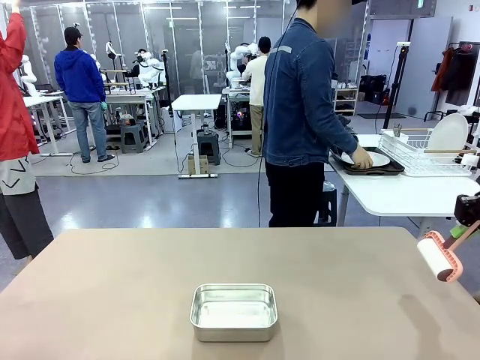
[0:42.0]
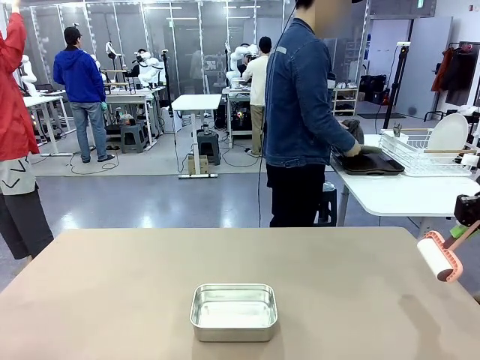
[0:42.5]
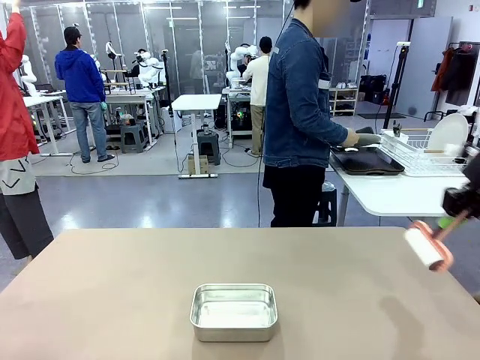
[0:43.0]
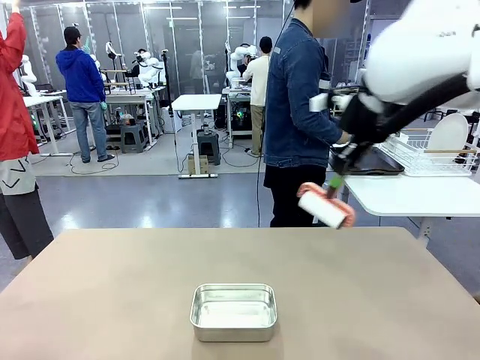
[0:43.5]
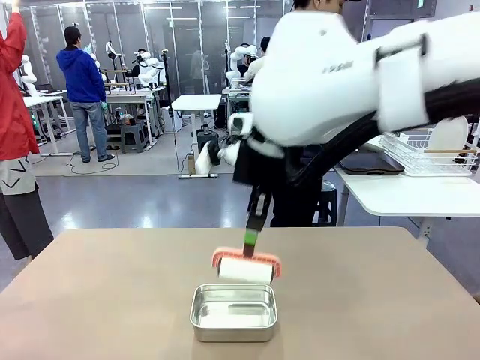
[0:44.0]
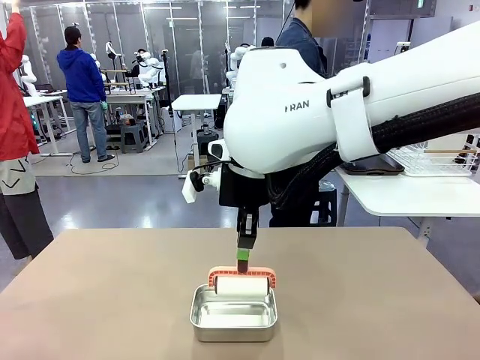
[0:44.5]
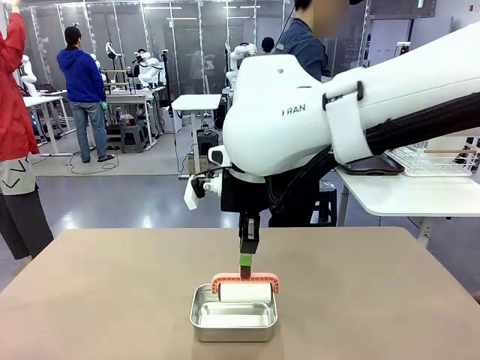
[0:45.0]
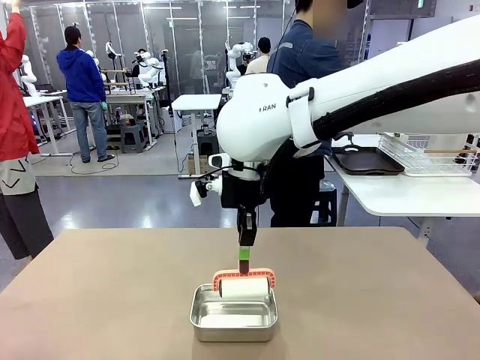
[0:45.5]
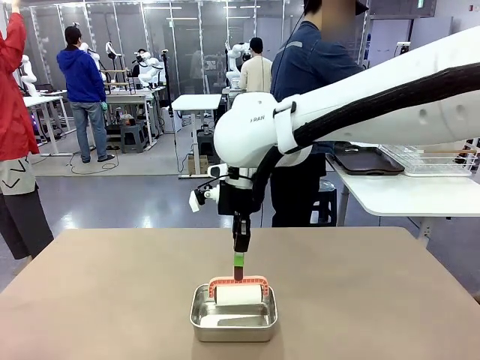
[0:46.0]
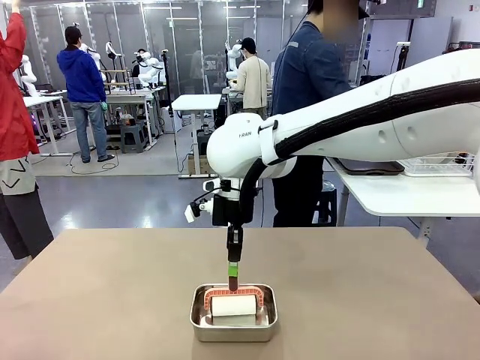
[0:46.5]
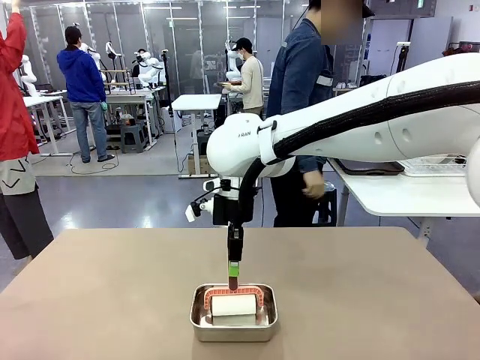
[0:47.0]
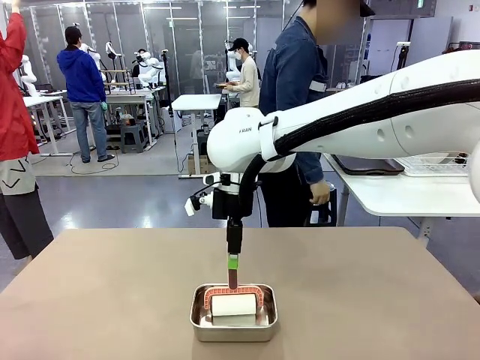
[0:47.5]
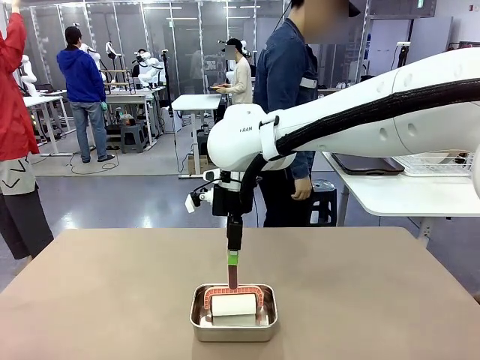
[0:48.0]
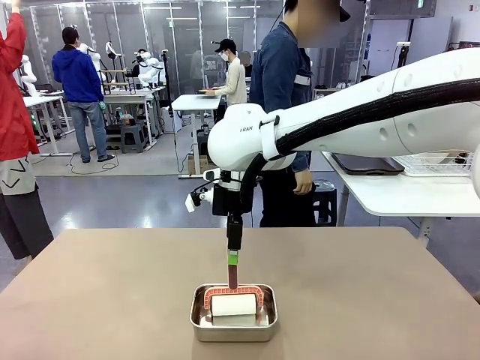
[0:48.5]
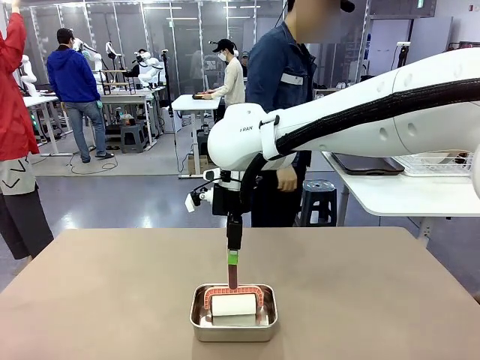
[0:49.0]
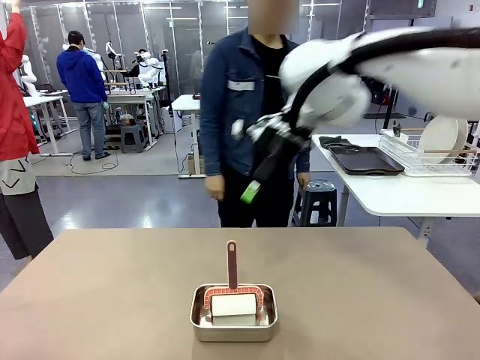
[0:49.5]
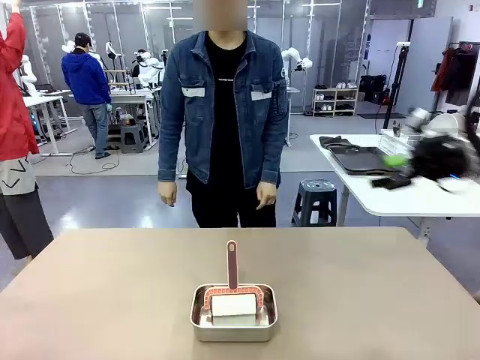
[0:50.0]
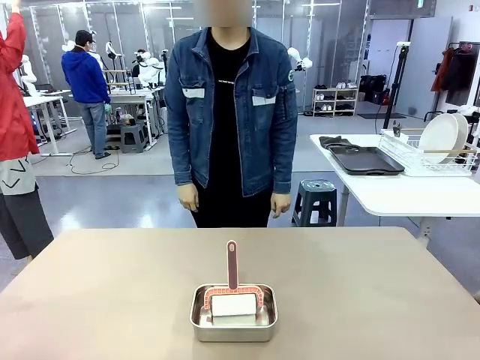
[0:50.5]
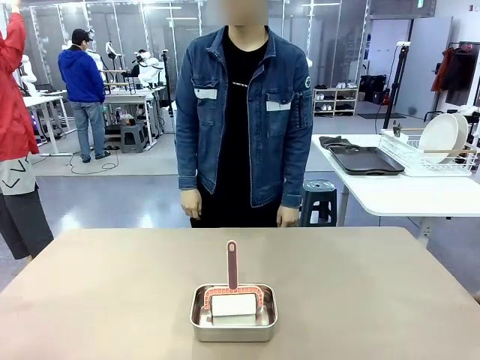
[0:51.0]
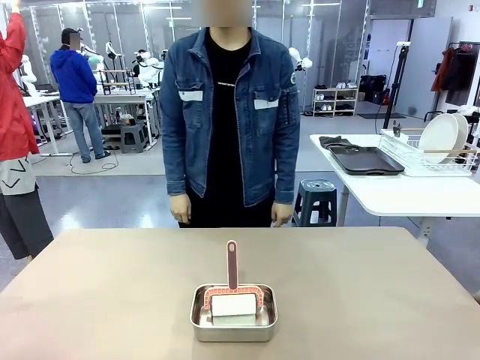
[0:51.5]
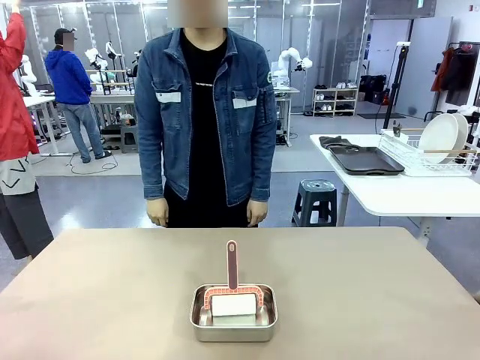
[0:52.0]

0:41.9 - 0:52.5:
Robot: Place the Lint Roller back on top of the Airtight Container.
Person: Use the Towel with hook to wipe the Plastic Matte Plate , Fork , and Knife and place into the Dish drying rack.

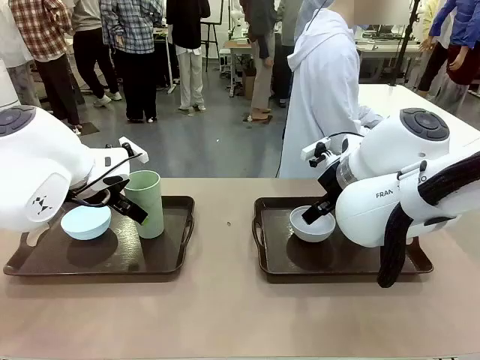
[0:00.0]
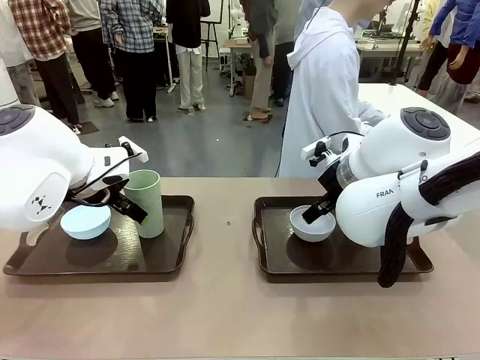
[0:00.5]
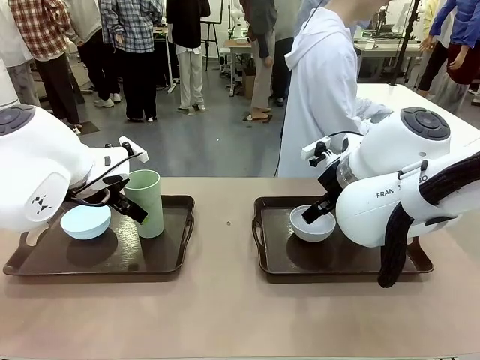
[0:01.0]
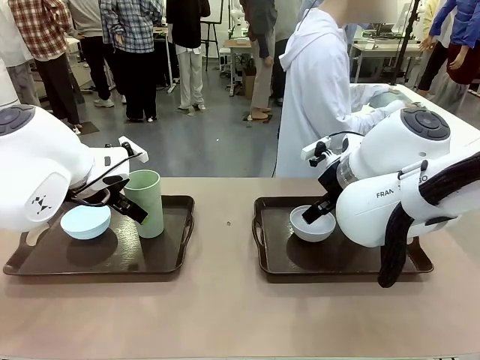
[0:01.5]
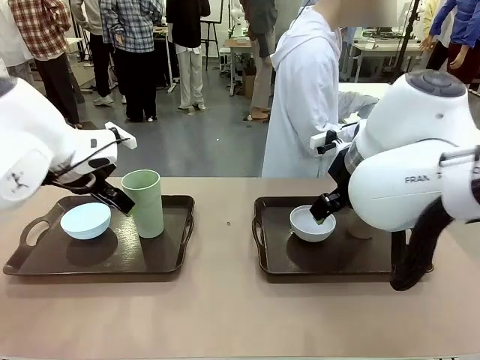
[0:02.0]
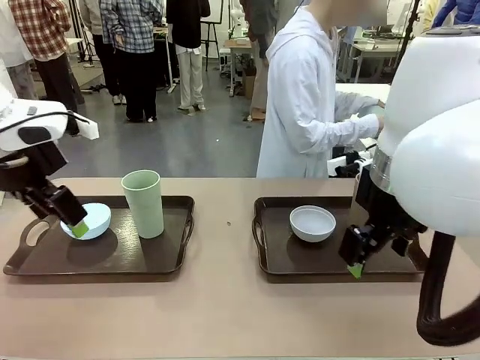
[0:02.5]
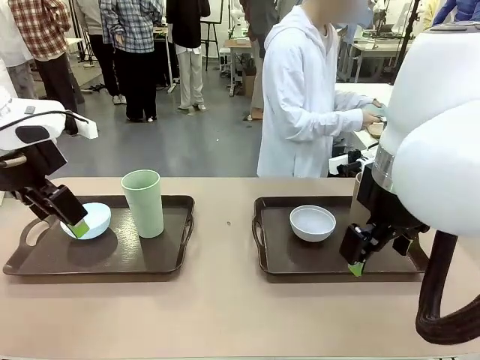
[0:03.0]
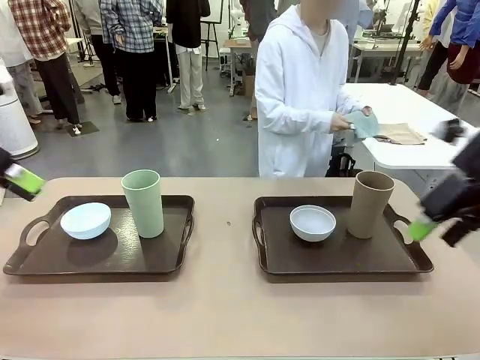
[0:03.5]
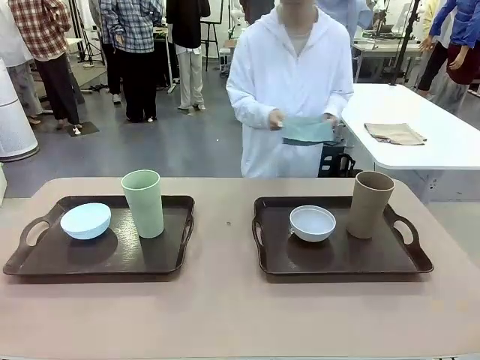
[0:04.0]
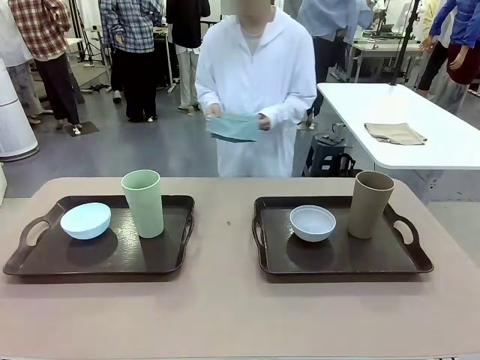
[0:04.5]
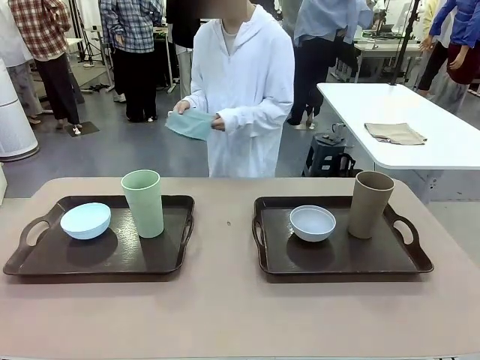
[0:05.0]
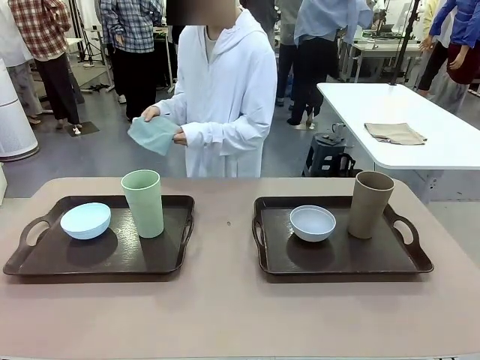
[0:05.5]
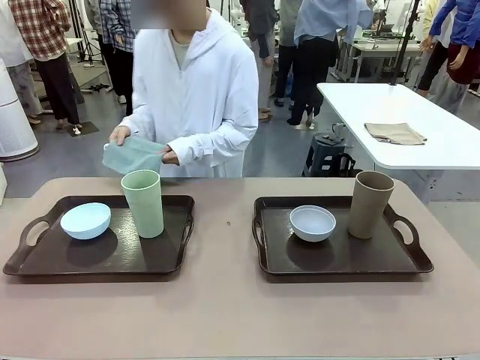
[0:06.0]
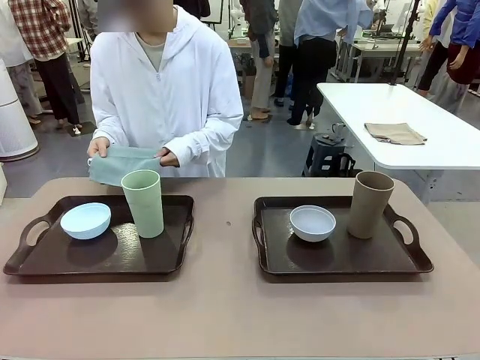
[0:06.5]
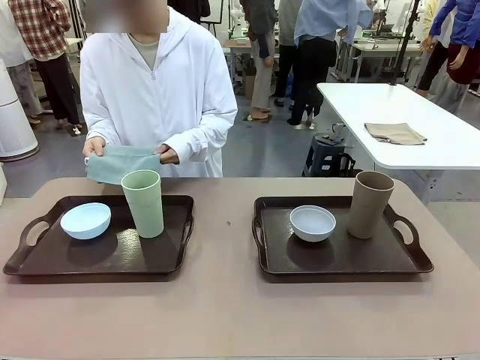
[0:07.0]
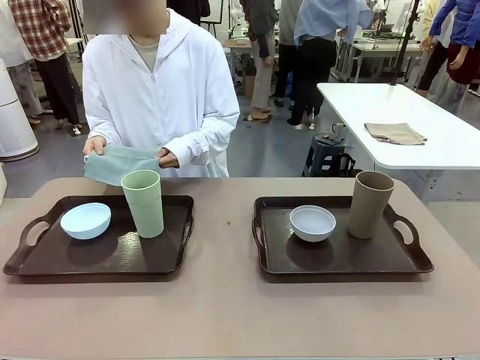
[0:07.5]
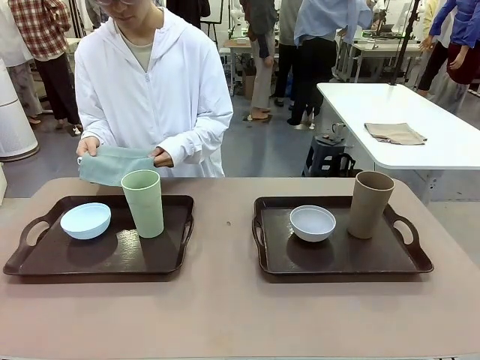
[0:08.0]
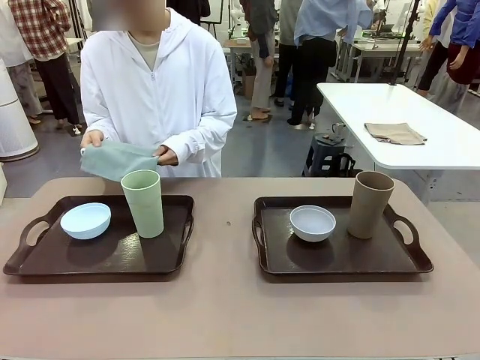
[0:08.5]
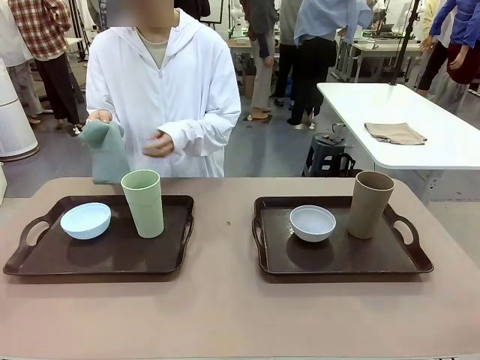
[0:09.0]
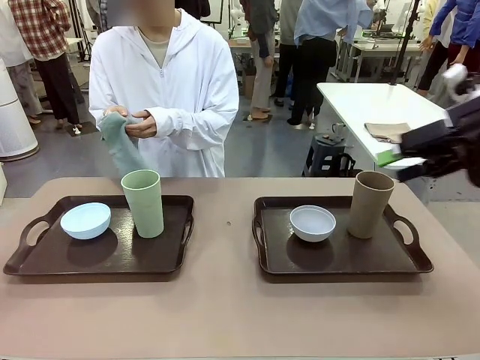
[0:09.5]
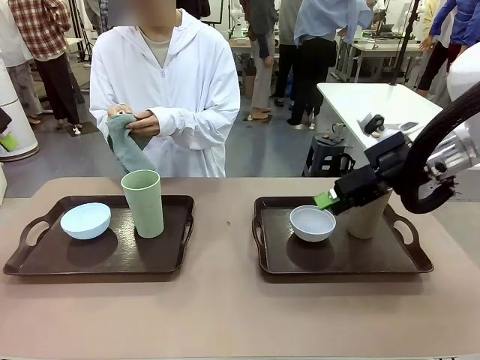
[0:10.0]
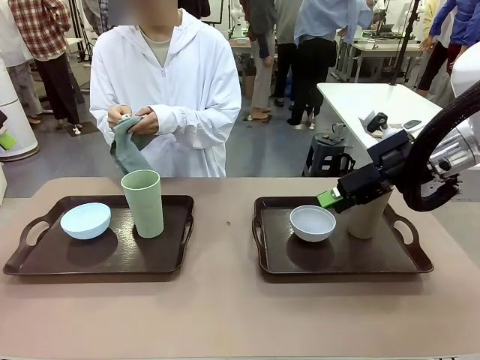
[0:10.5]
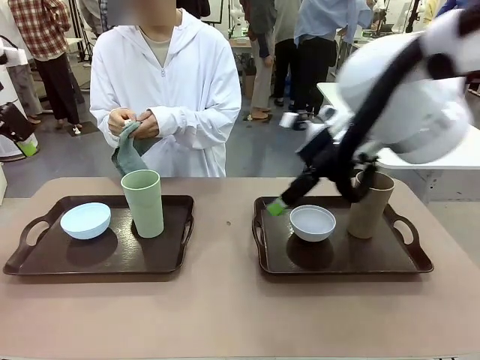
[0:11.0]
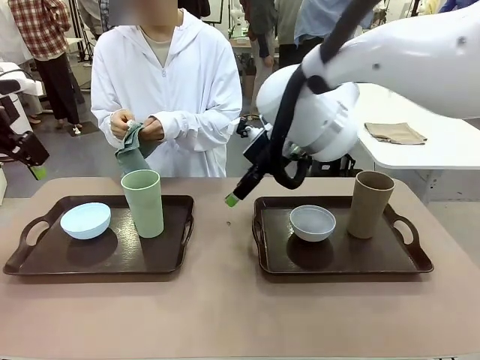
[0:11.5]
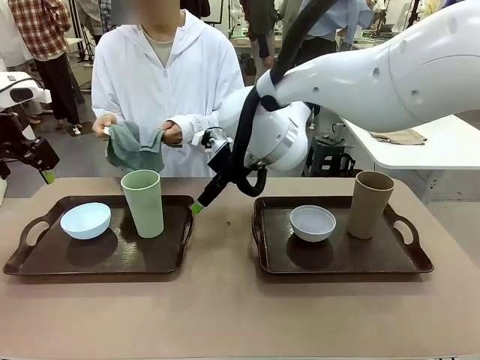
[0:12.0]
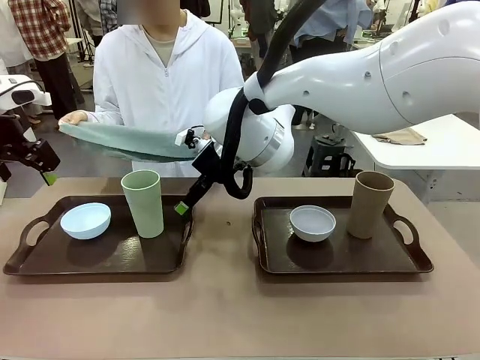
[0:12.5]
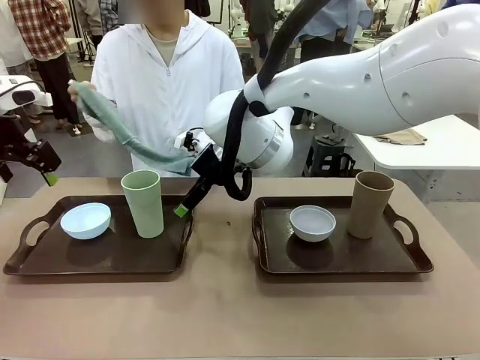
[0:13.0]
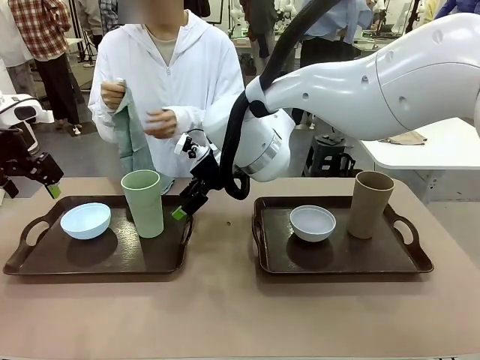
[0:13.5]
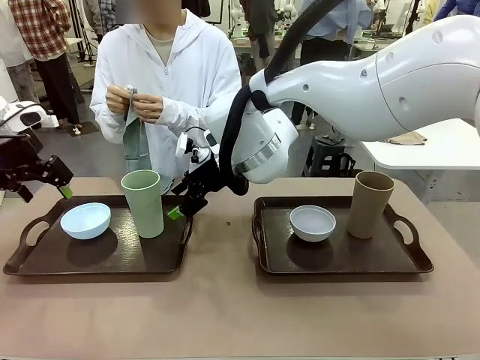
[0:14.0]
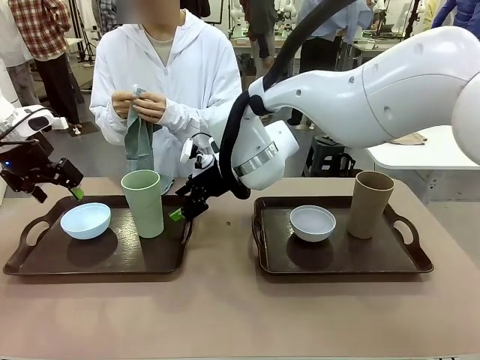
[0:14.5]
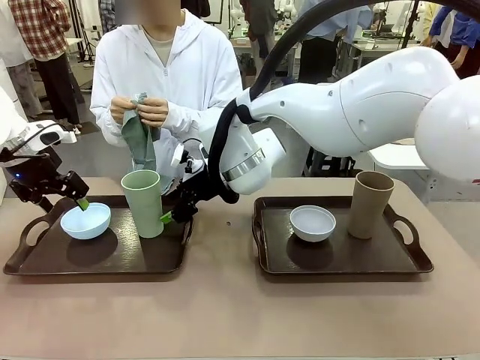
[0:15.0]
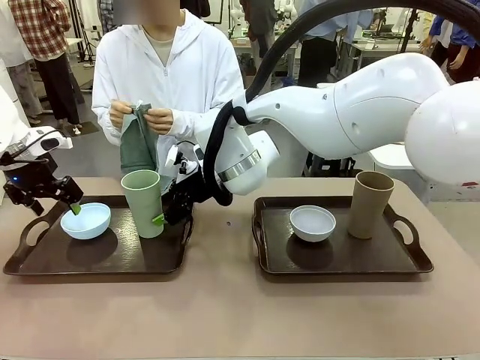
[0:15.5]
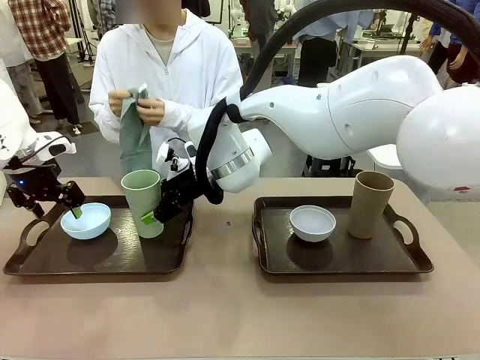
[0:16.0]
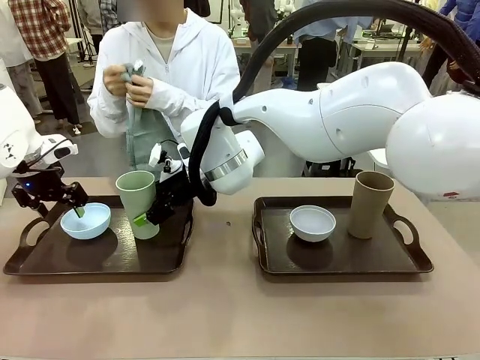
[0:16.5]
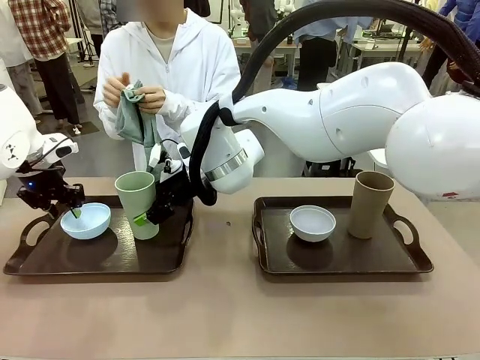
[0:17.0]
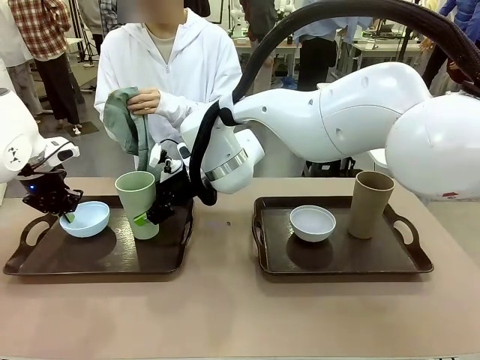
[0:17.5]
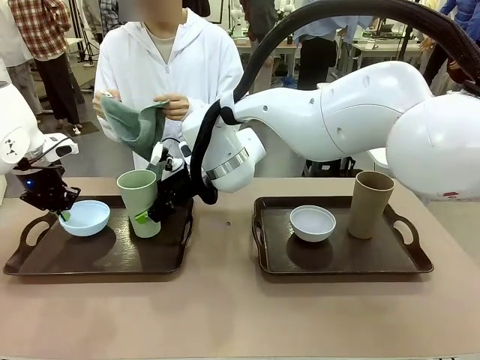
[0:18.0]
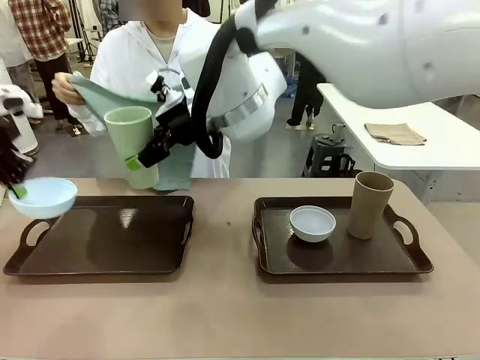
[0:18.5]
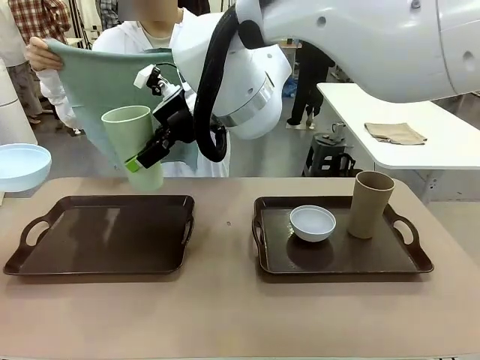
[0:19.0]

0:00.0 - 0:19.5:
Robot: Pick up the Picnic Bowl and Reusable plastic cup from the Handle tray in front of the human's position and hold them in the air.
Person: The human picks up the top napkin from the stack on the human table and walks to the robot table to stand in front of one of the two trays. When the robot lifts the bowl and the cup, the human unfolds the napkin and lays the napkin flat on the tray.
